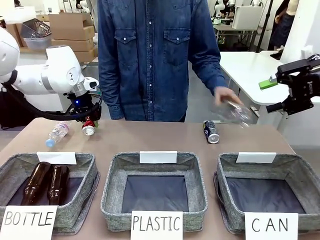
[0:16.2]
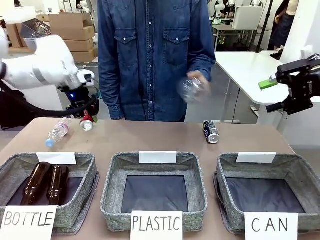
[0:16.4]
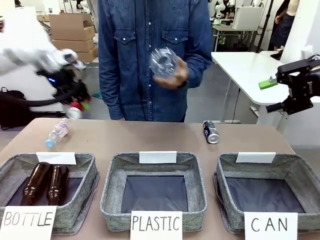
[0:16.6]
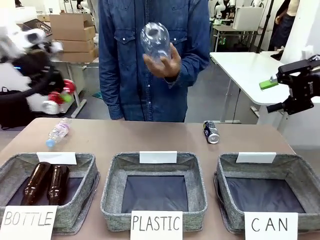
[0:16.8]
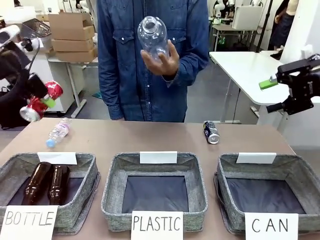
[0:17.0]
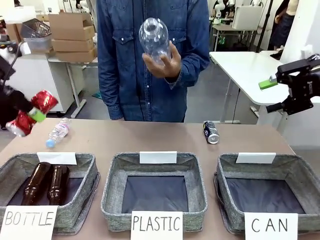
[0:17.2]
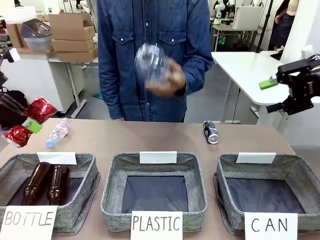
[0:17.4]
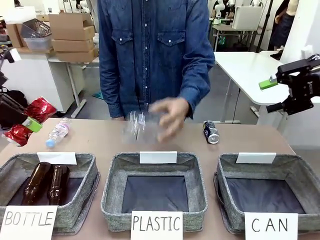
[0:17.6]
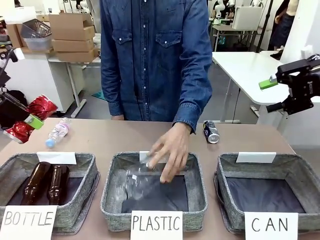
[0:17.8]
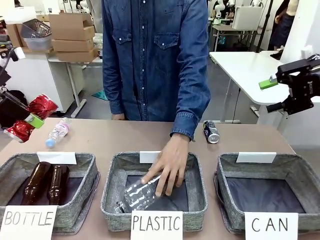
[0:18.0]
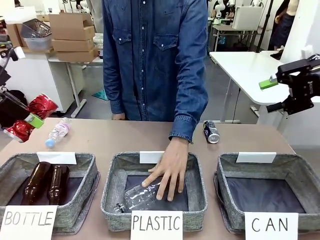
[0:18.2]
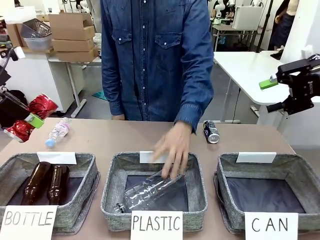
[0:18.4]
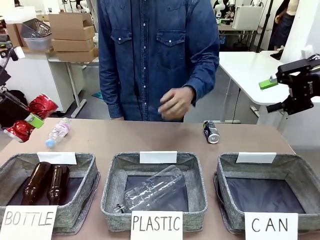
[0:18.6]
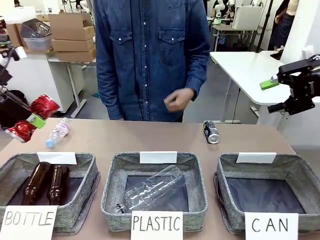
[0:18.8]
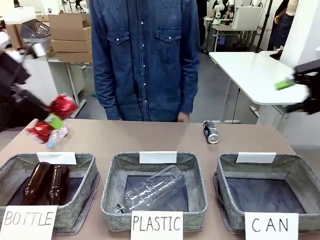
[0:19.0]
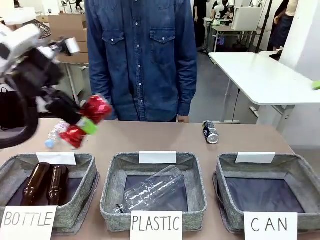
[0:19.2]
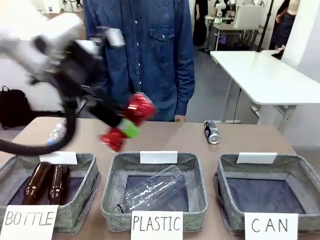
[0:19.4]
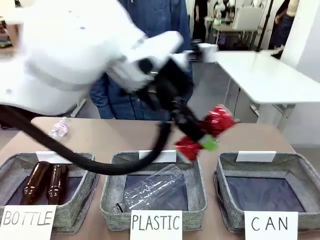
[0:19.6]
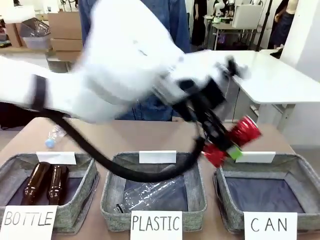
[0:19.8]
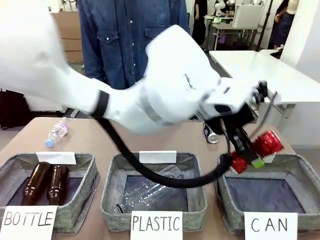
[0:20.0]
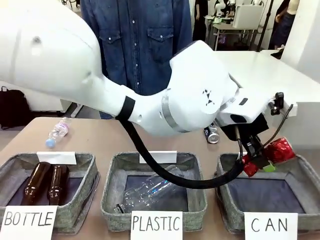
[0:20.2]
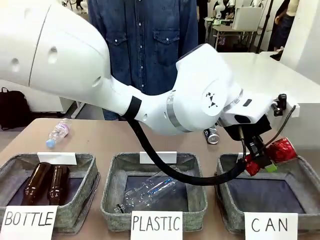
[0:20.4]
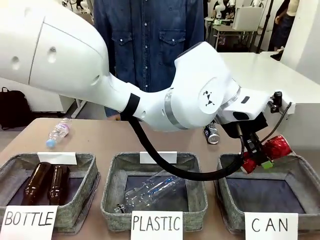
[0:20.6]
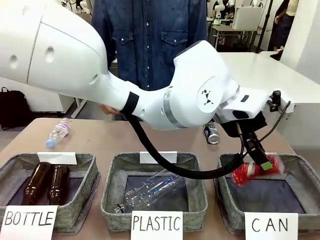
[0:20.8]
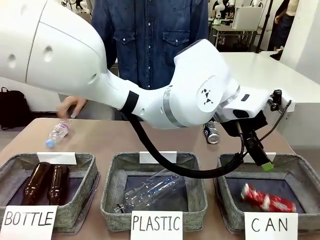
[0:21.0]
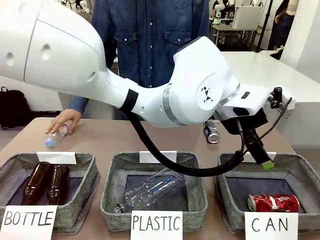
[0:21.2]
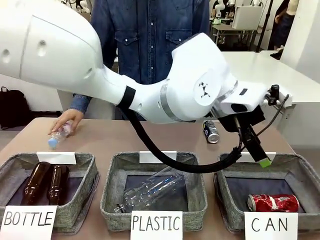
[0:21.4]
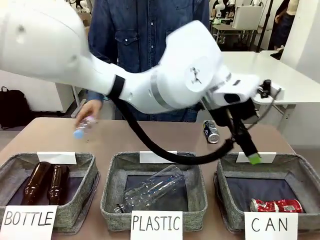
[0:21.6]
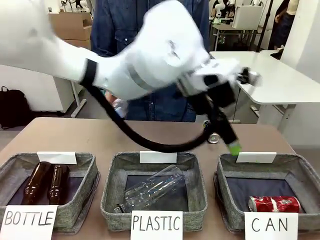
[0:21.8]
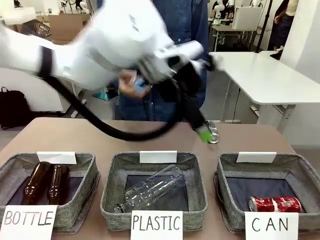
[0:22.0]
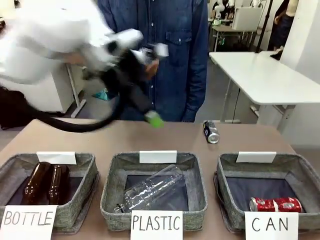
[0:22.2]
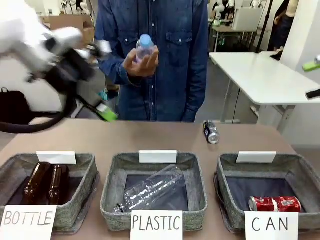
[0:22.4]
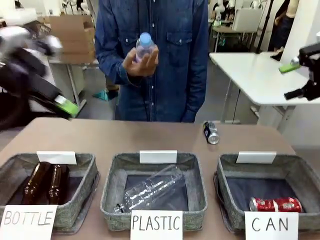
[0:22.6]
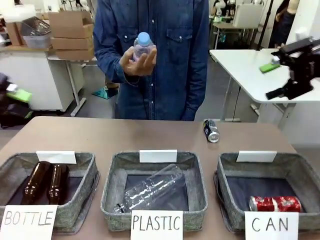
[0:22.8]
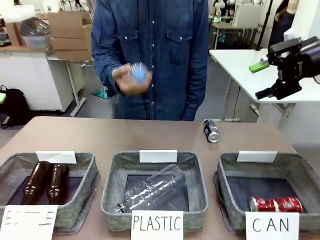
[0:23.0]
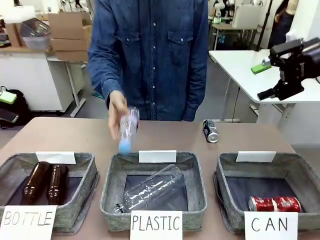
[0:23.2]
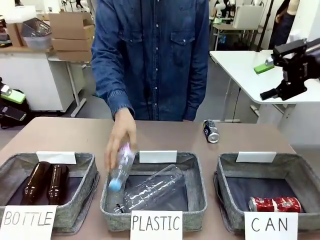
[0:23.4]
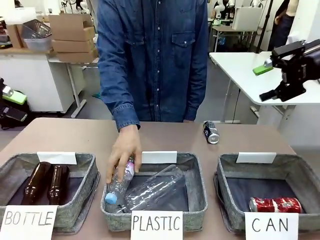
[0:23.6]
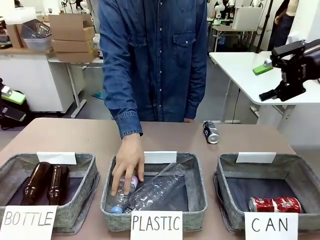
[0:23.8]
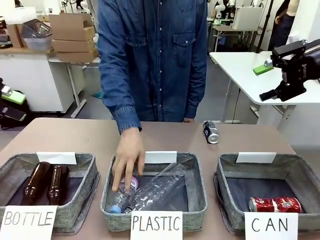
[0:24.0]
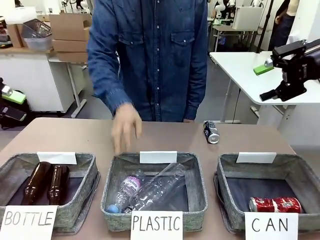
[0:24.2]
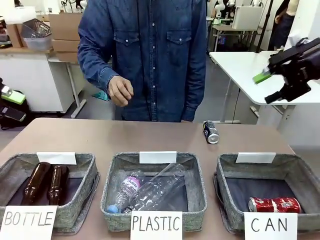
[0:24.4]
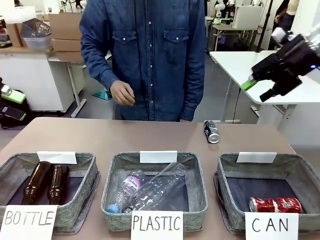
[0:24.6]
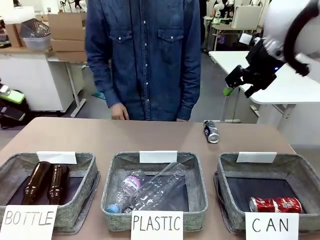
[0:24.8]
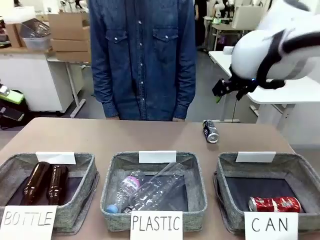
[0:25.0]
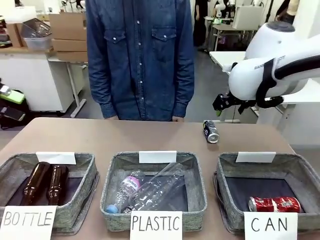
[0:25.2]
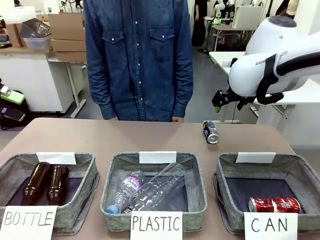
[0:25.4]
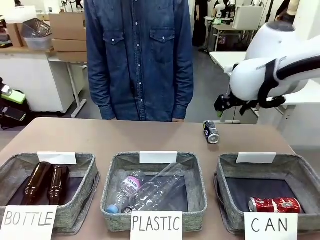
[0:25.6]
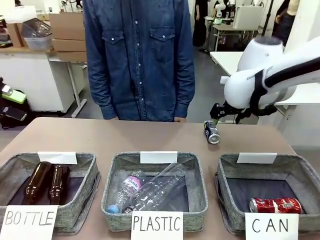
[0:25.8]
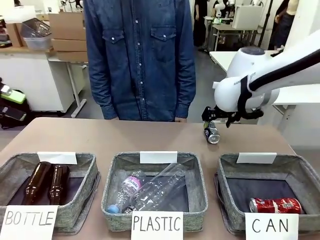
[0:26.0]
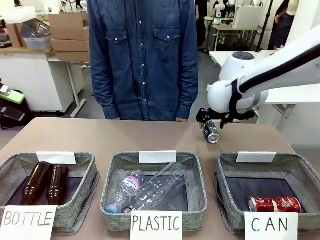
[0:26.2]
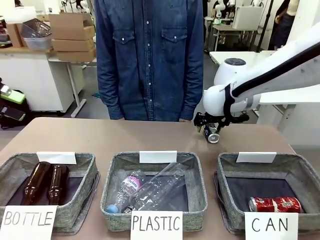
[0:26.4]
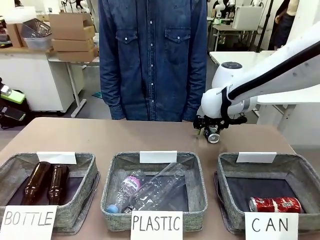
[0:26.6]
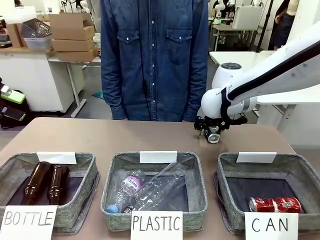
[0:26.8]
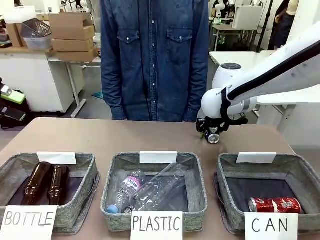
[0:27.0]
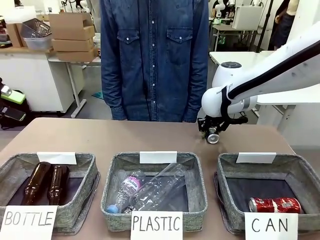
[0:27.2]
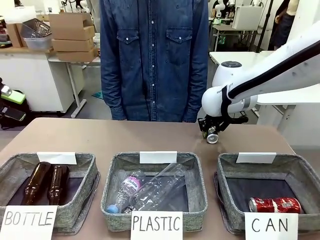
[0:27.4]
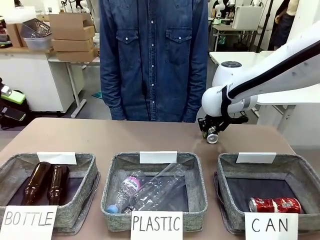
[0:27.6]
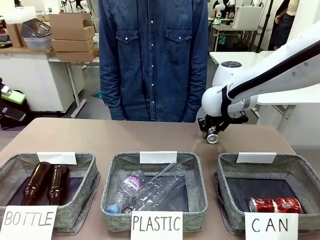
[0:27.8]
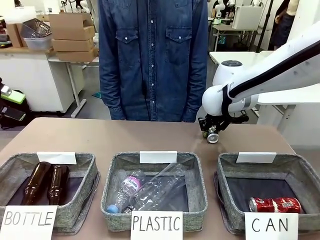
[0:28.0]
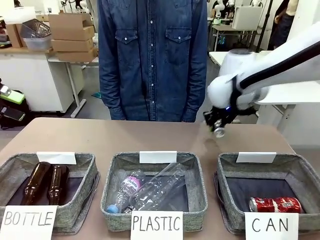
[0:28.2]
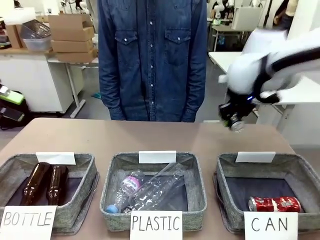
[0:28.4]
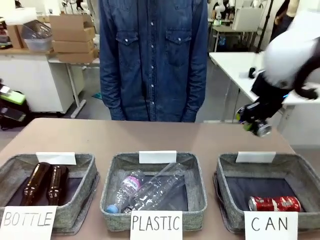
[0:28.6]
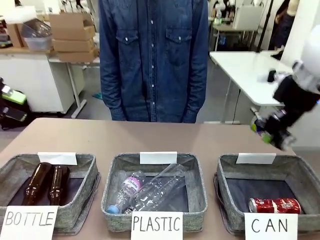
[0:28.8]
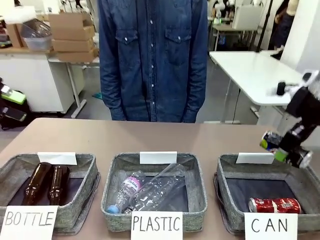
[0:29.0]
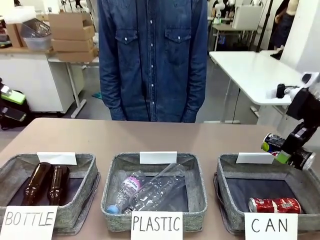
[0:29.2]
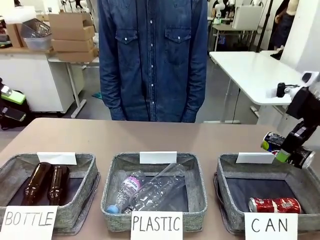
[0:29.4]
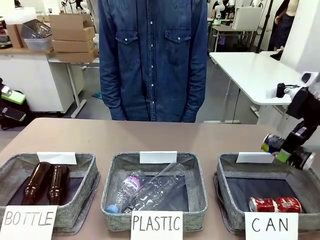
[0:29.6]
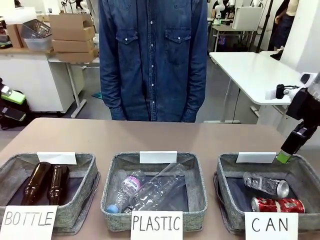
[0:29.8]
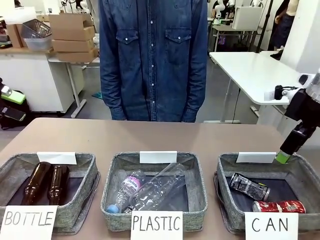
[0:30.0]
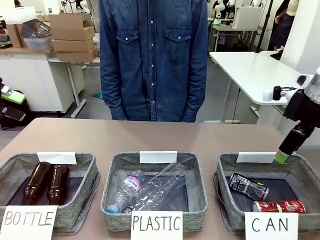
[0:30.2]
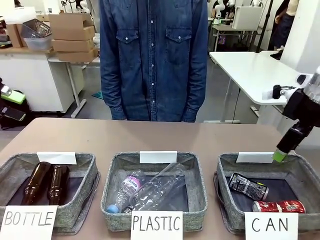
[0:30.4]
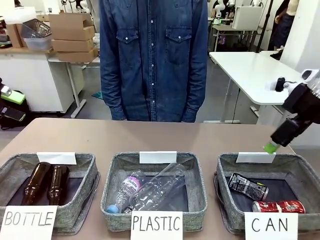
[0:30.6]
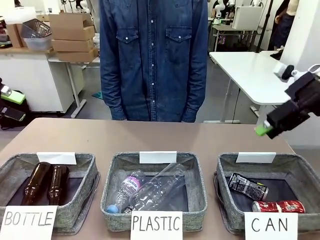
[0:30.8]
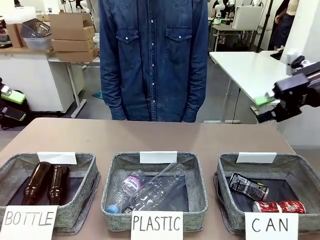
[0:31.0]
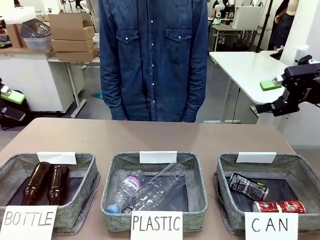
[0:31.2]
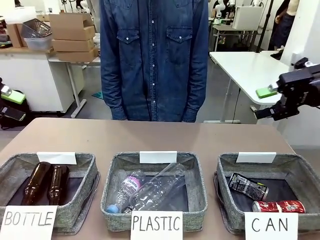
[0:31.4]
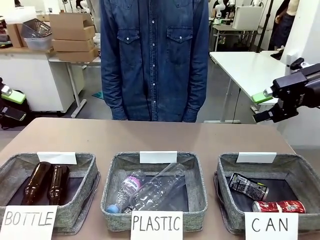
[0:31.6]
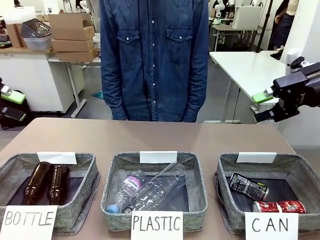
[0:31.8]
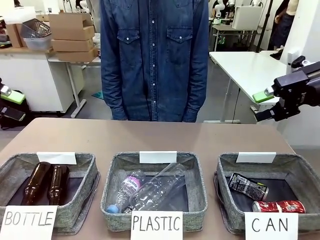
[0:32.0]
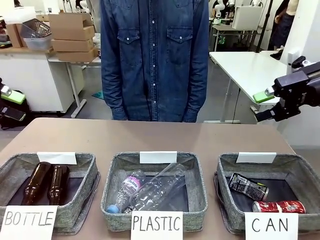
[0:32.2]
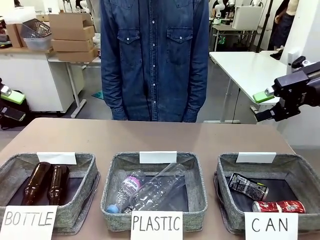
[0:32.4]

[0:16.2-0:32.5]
Task: Sort the can waste into the basket.
Robot: Pick up the can waste from the table and place it in the right Fabric basket.
Person: The human picks up one piece of trash that is not a can and places the trash into the appropriate organizing basket.
